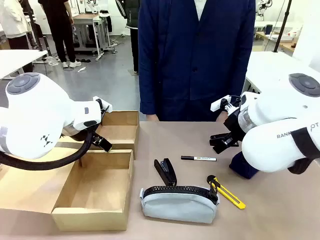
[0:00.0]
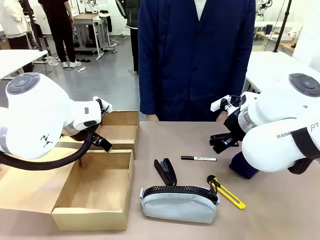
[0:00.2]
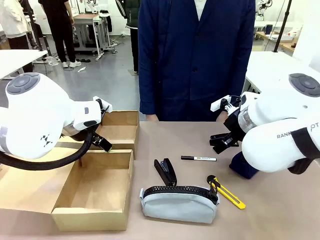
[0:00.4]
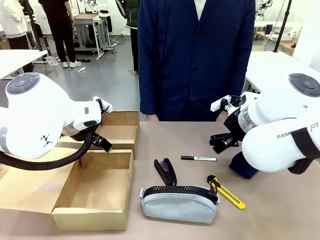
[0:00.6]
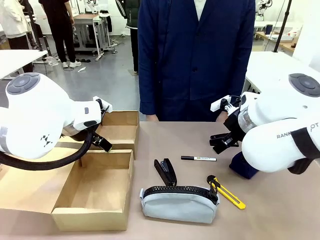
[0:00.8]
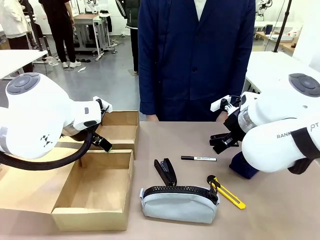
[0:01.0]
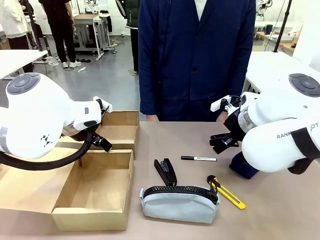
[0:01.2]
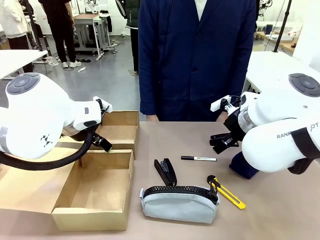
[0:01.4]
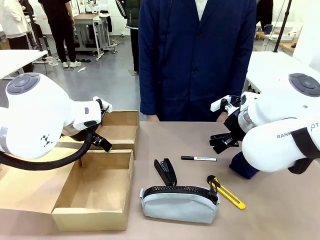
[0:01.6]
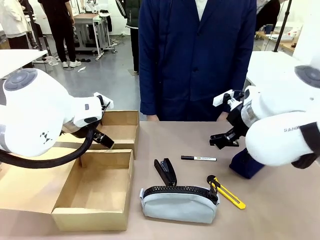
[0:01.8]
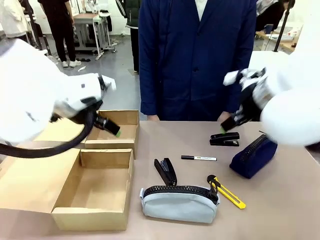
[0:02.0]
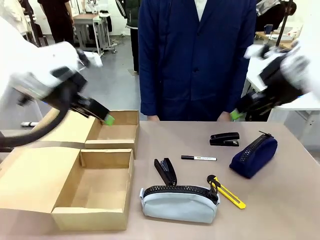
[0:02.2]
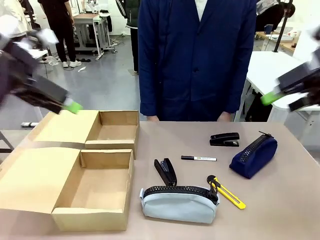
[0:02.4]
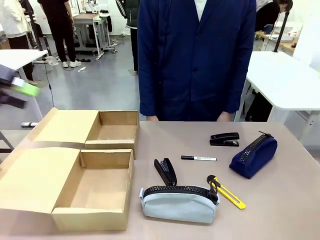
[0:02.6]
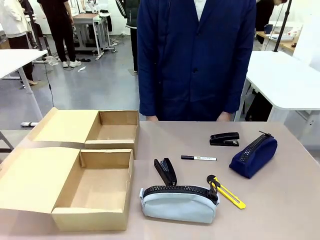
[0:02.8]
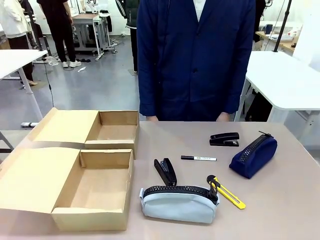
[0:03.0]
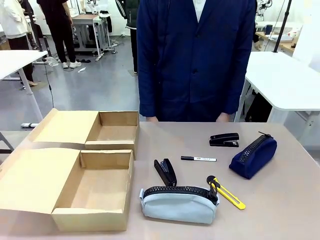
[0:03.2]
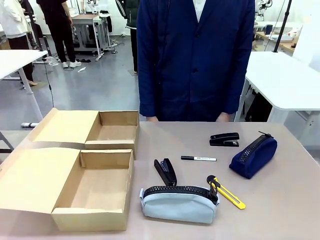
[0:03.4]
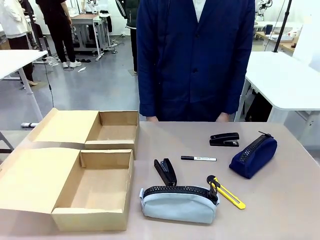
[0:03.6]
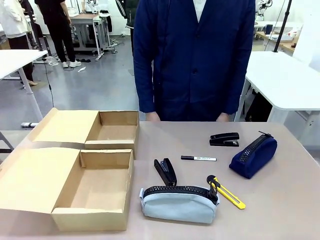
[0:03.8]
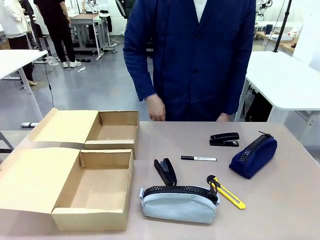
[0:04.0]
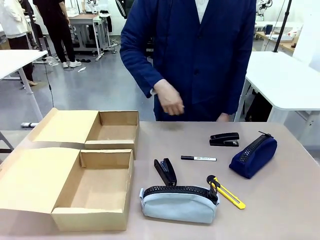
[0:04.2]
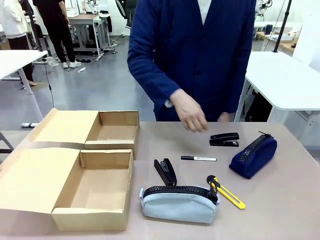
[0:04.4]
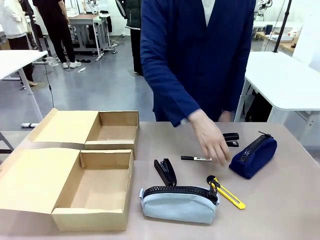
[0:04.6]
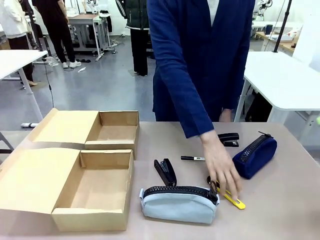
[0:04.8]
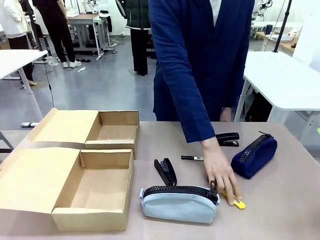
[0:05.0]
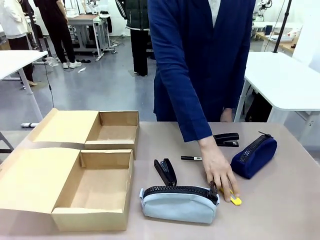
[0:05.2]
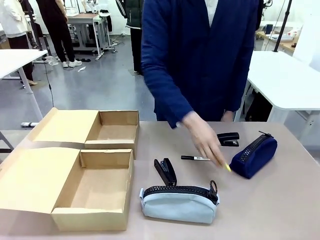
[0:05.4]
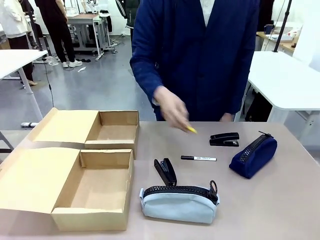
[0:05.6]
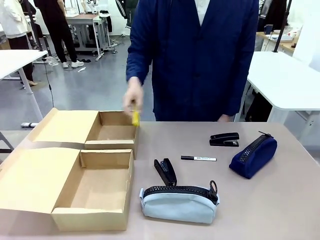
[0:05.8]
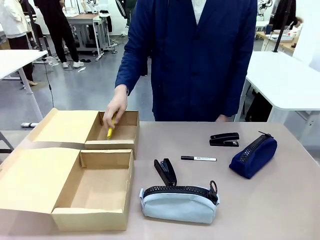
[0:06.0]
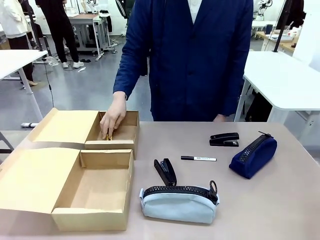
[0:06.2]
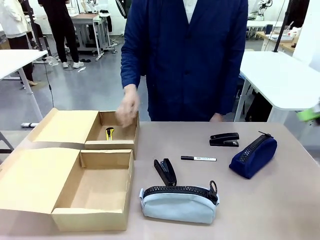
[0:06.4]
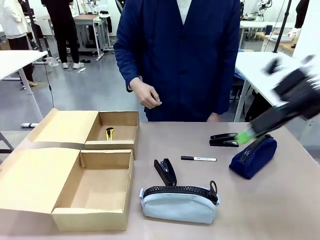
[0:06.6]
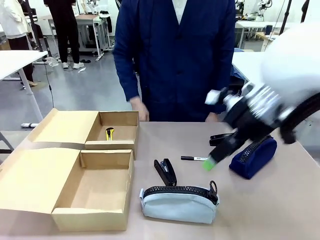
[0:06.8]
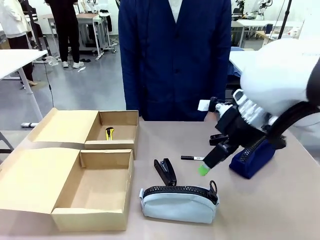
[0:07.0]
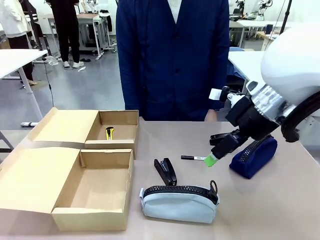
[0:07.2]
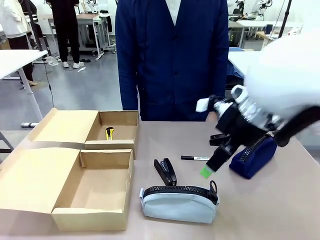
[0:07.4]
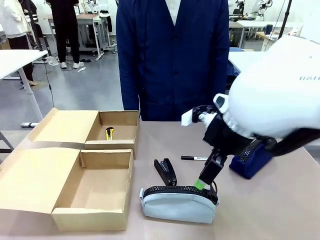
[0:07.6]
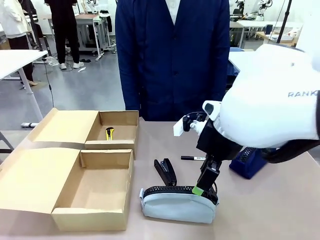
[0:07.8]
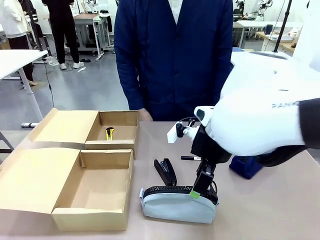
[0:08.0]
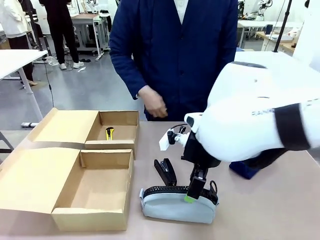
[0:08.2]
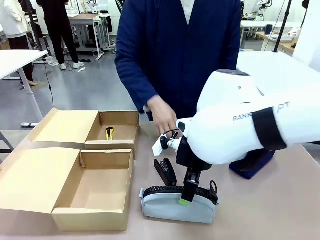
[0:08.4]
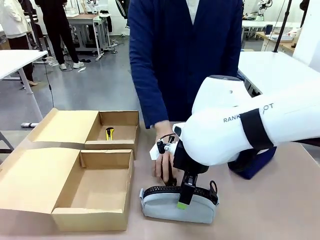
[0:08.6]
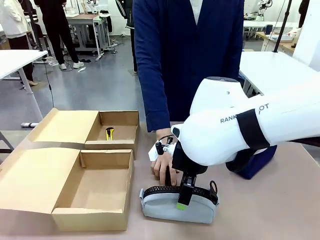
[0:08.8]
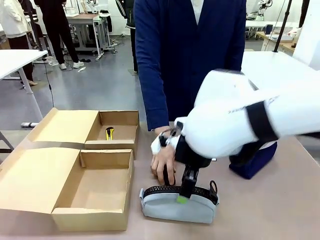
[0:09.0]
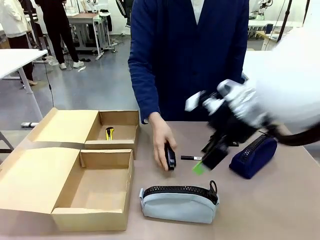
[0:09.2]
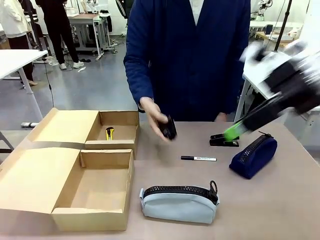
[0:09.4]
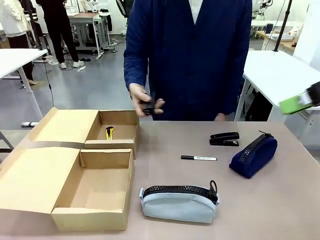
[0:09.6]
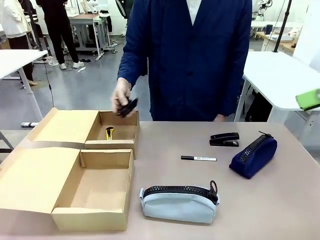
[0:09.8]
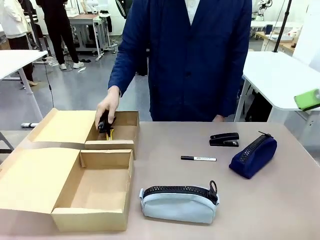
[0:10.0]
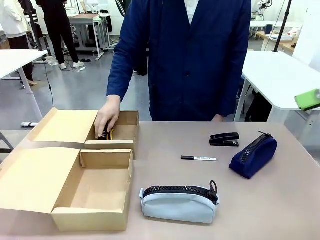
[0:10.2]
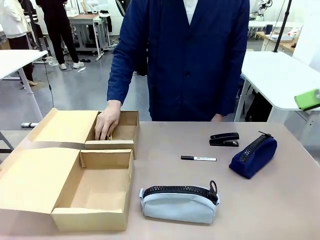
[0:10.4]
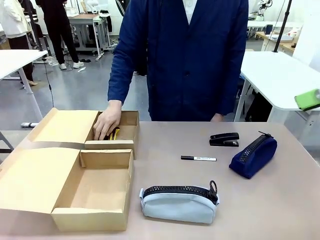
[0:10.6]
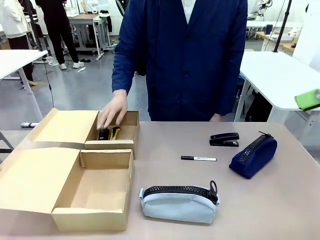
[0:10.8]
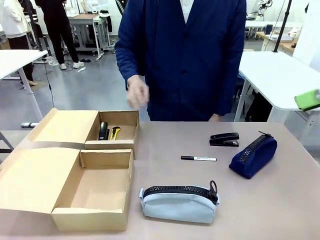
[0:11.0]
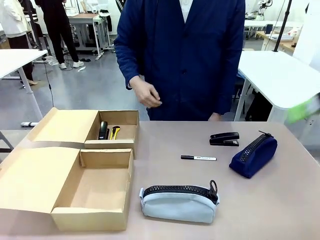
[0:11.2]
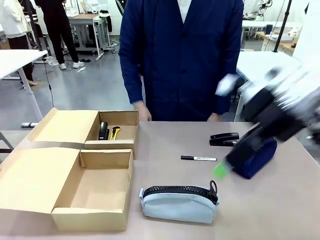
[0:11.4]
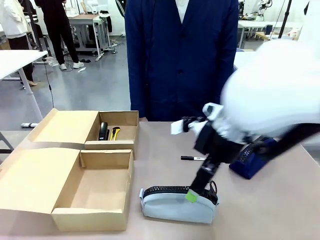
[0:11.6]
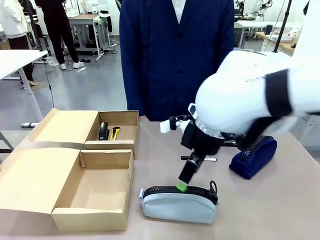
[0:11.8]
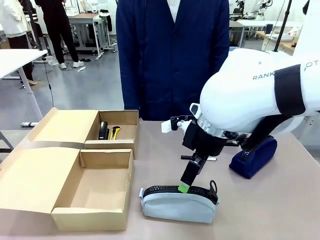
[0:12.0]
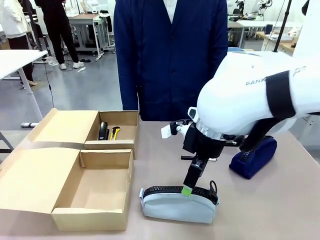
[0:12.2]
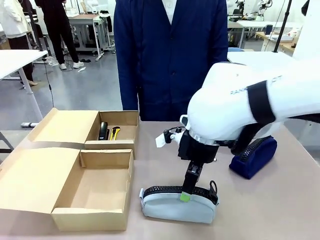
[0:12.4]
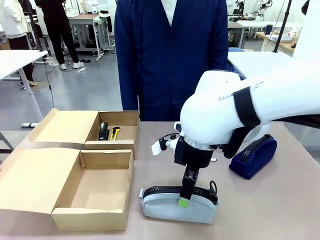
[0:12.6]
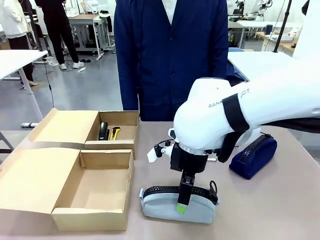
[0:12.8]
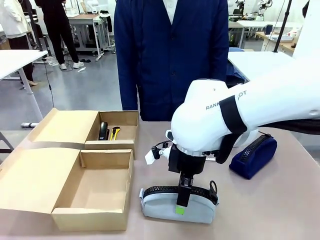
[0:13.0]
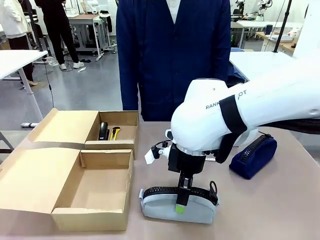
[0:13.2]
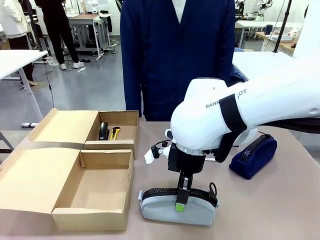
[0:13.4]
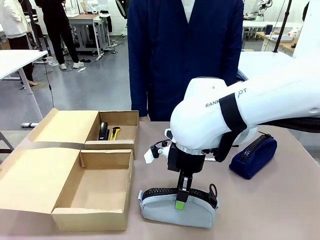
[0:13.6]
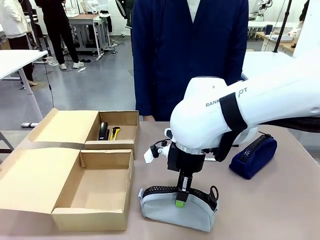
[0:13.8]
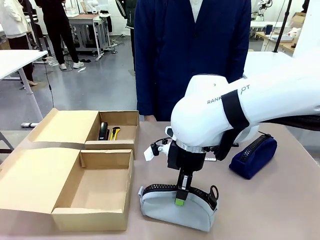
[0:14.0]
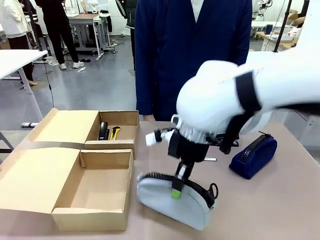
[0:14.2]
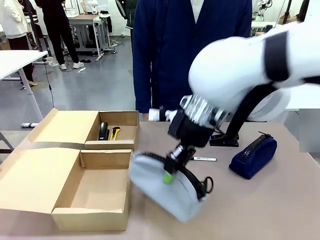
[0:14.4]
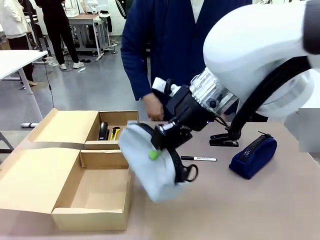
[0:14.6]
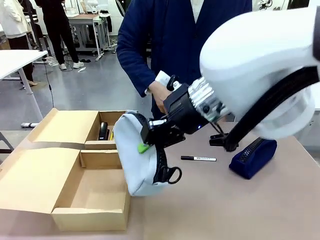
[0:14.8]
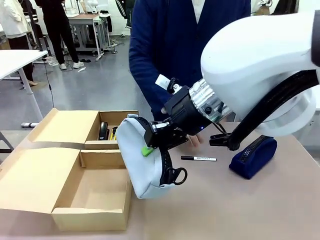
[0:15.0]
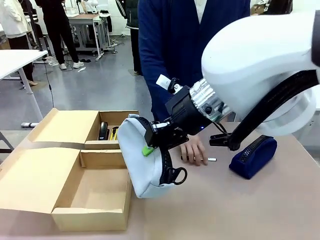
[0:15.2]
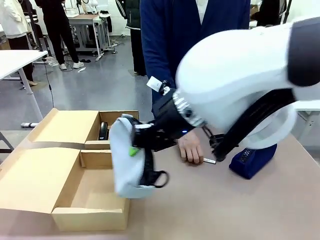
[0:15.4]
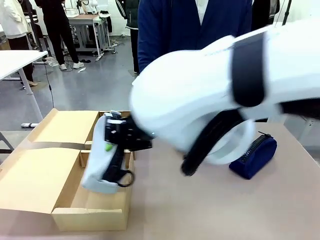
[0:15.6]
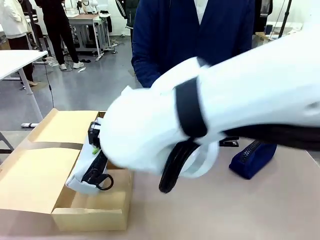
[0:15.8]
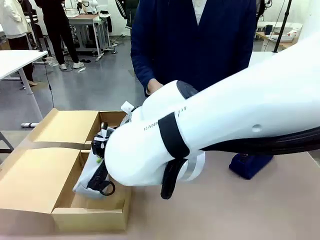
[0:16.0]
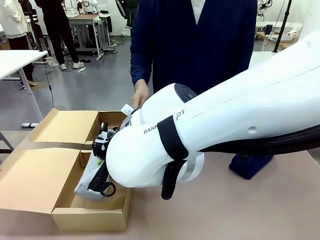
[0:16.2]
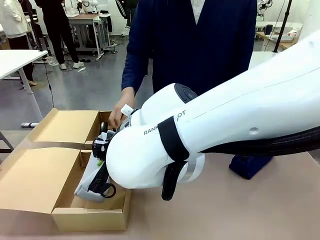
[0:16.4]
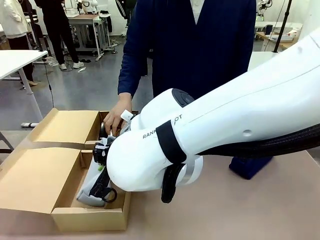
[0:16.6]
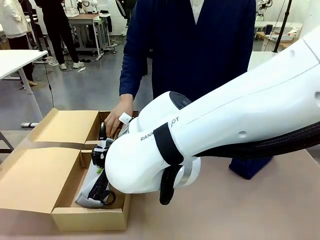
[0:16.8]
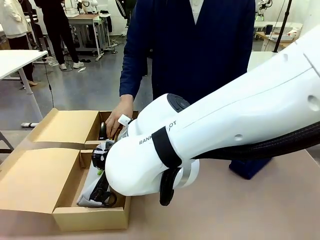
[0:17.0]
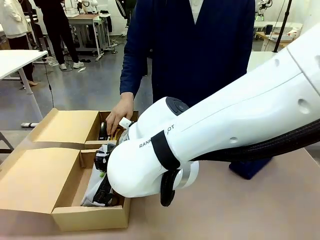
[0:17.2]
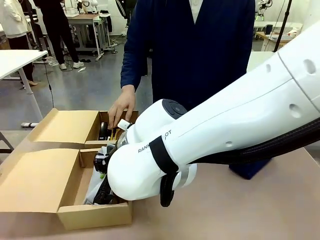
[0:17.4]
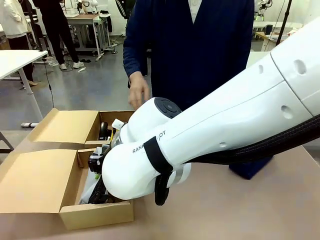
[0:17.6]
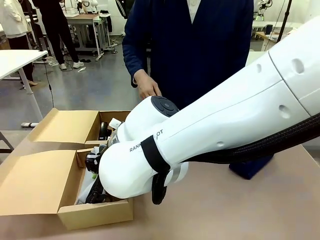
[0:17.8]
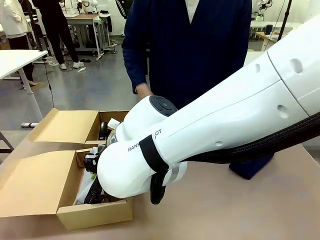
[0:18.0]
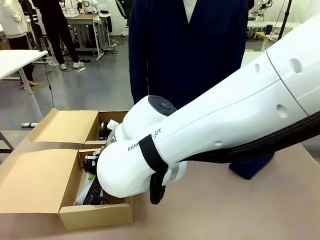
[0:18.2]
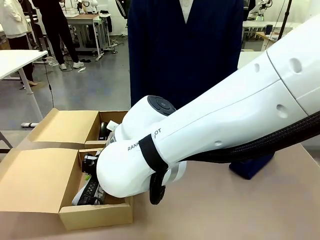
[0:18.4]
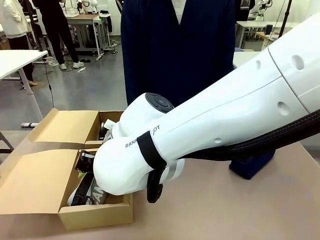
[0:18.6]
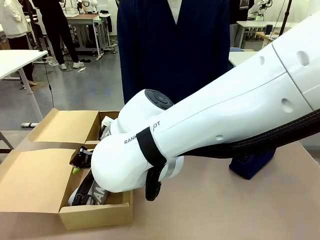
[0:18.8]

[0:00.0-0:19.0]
Task: Place items inside the box.
Robot: Pick up a Pencil pouch or Stapler and place it inside the Mailer Box closest to the robot.
Person: Pick up an object on the table and put it in the box.
